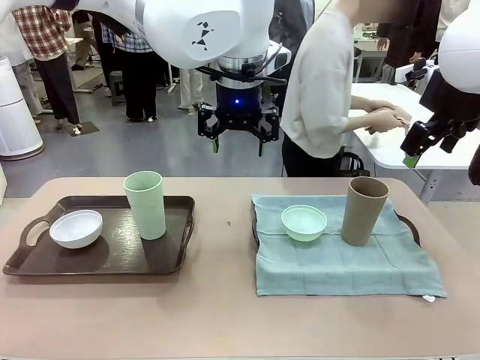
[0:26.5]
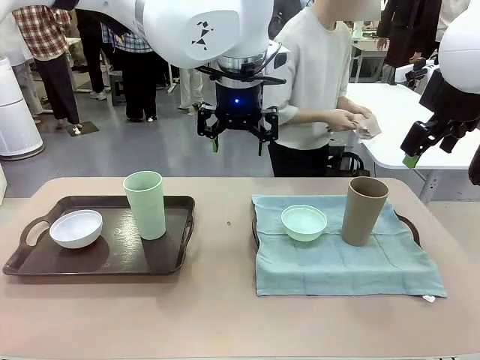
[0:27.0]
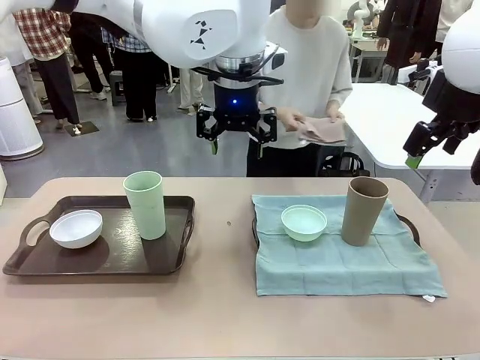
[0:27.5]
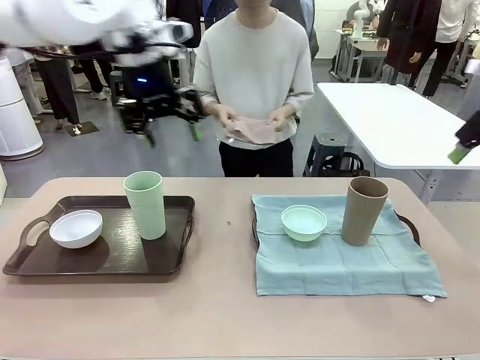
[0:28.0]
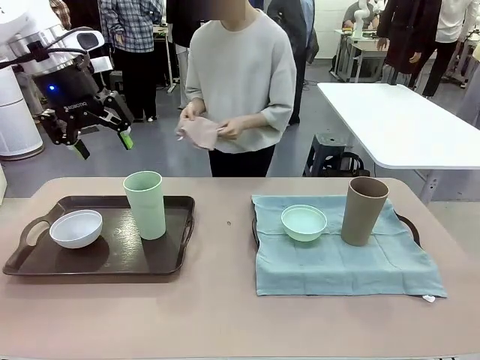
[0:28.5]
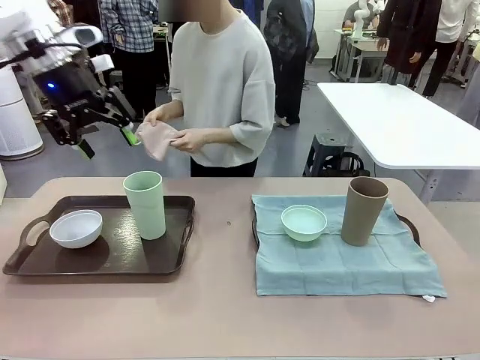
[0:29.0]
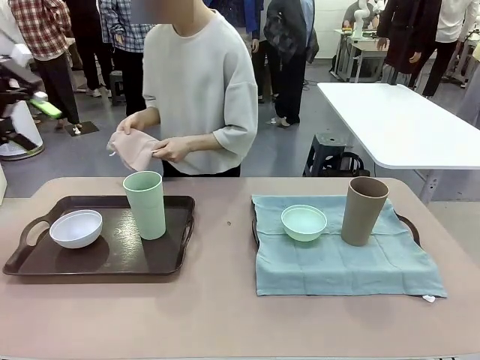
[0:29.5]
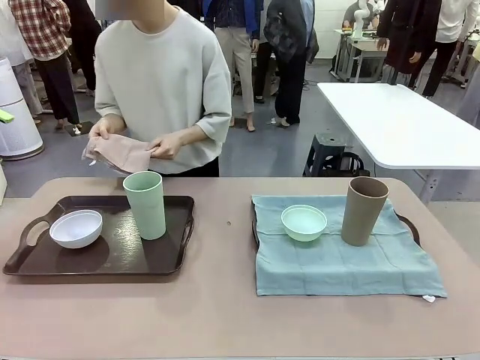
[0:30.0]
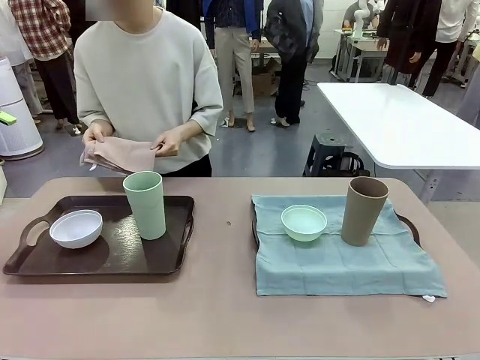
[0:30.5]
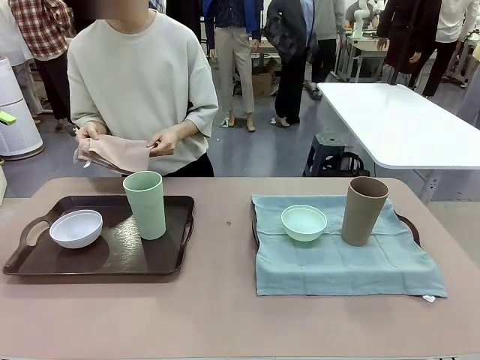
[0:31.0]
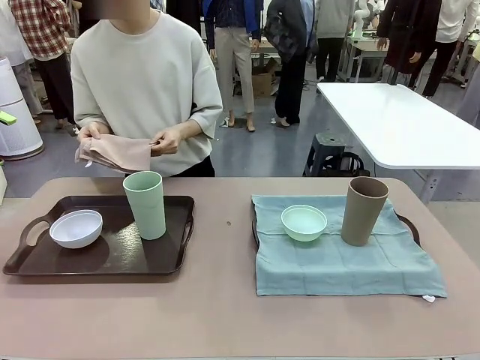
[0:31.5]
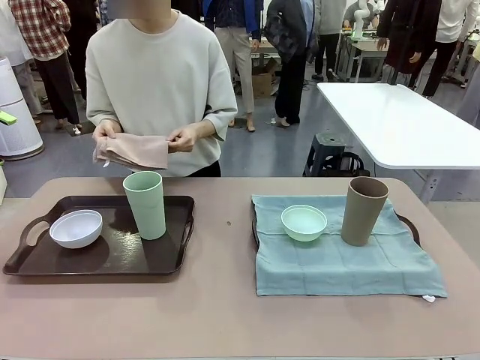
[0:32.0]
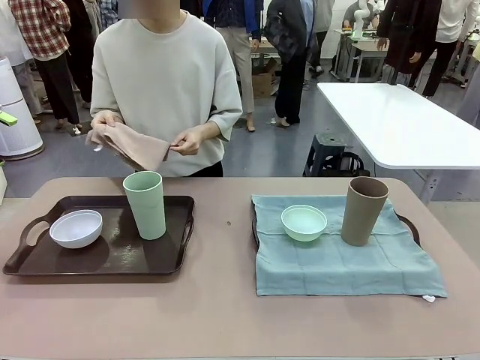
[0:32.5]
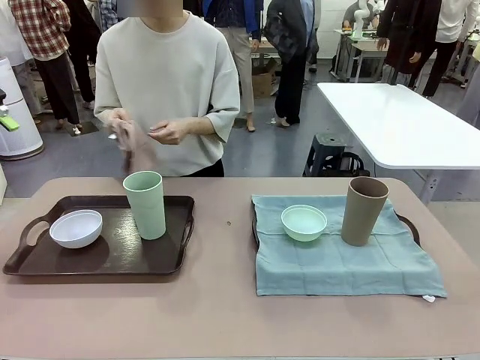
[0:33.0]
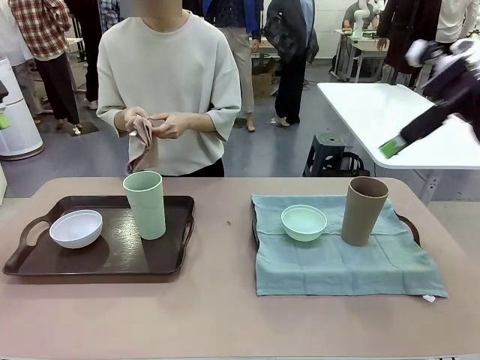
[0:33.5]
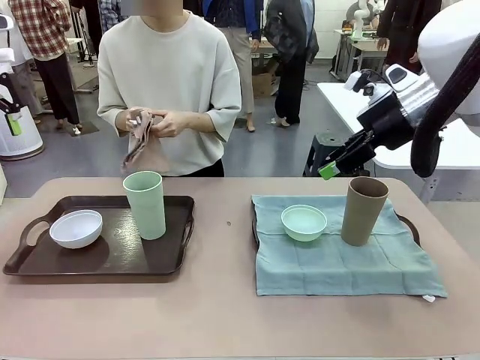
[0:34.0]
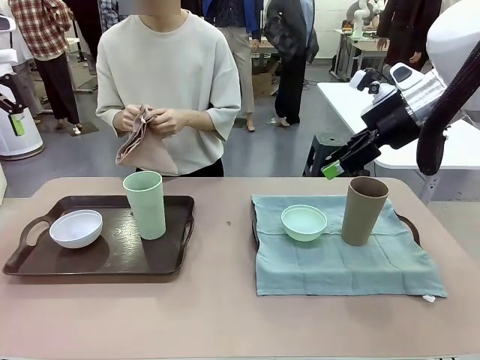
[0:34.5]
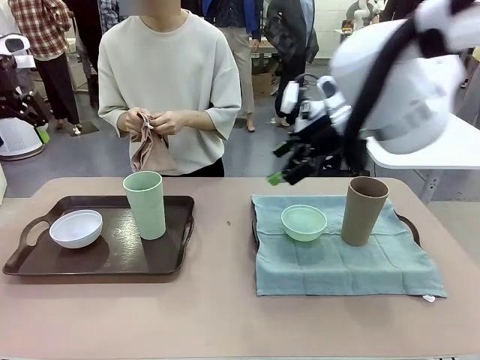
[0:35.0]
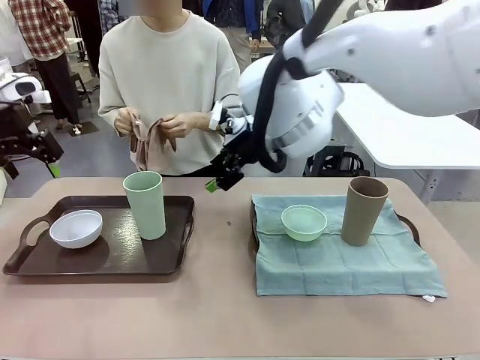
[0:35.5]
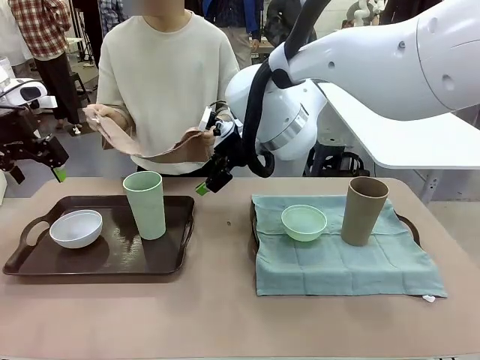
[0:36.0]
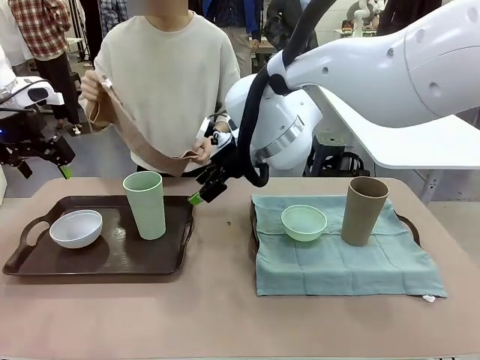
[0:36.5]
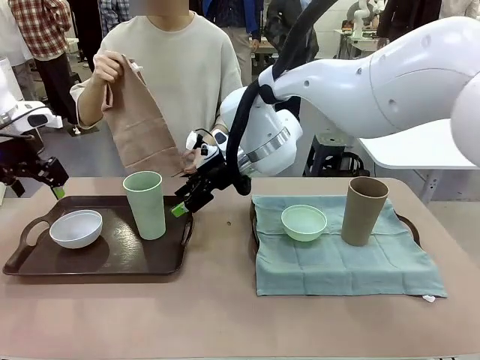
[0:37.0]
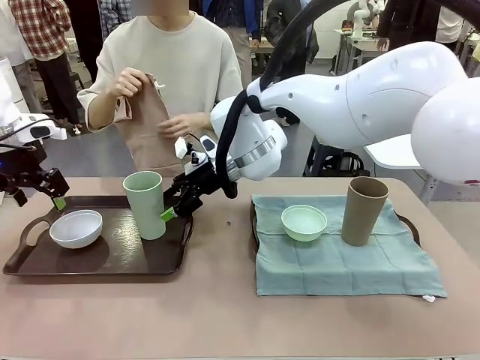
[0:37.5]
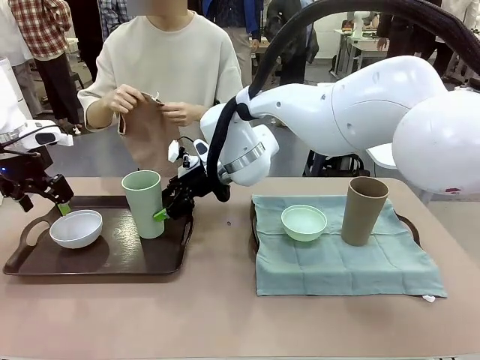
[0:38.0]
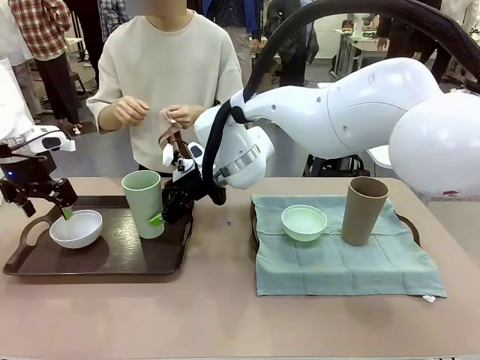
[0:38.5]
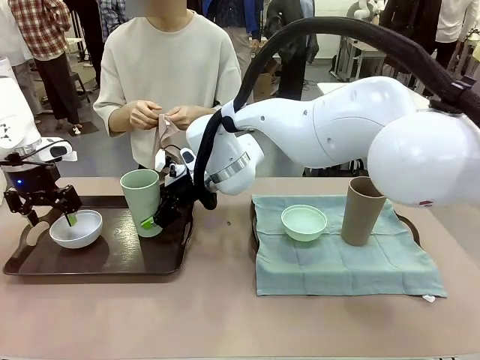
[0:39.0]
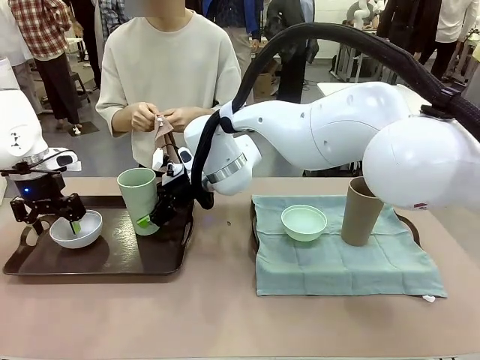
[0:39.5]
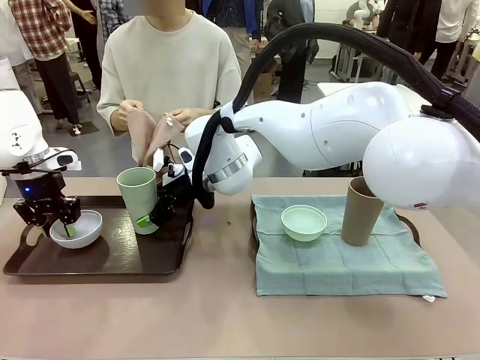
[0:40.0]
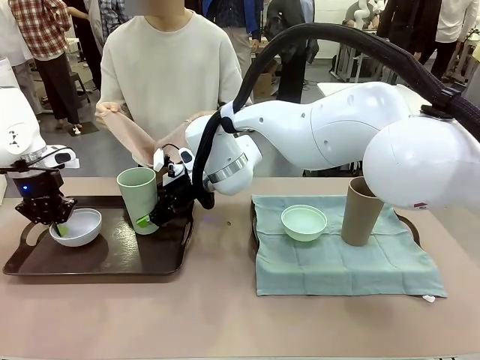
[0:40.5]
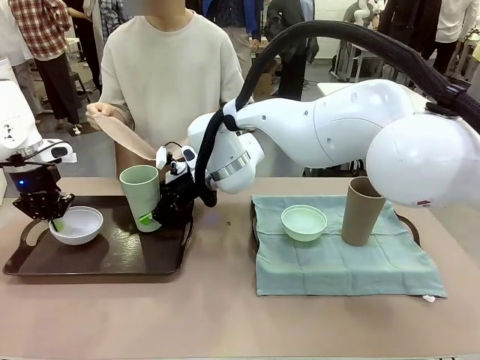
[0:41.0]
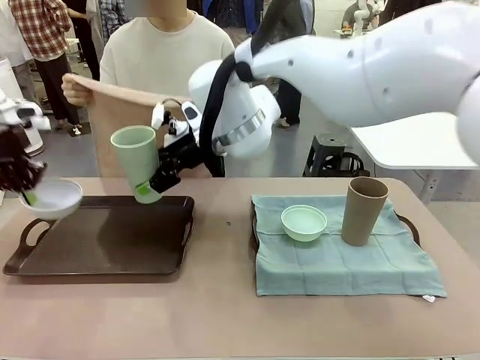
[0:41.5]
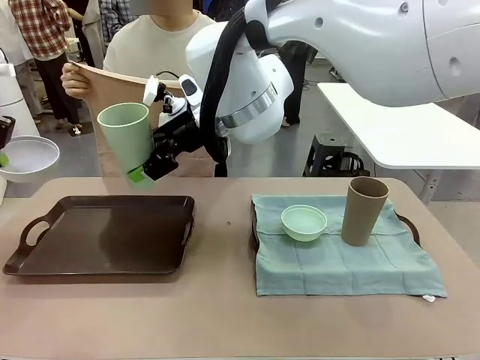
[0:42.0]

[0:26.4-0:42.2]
Robot: Pick up the Picnic Bowl and Reusable plastic cup from the Handle tray in front of the human's position and hold them in the air.

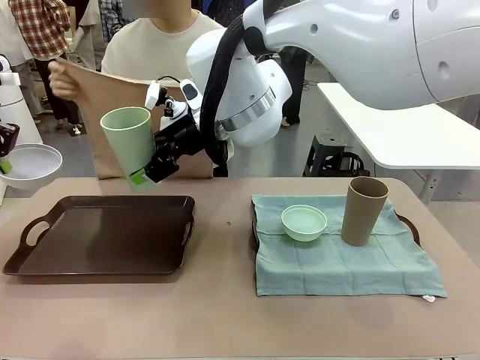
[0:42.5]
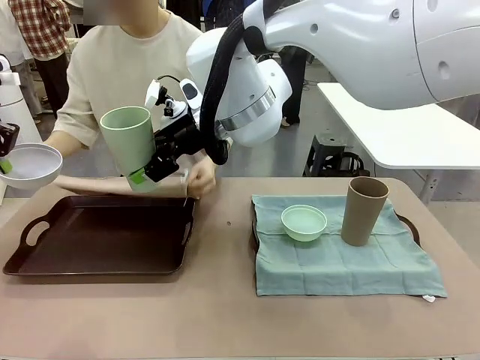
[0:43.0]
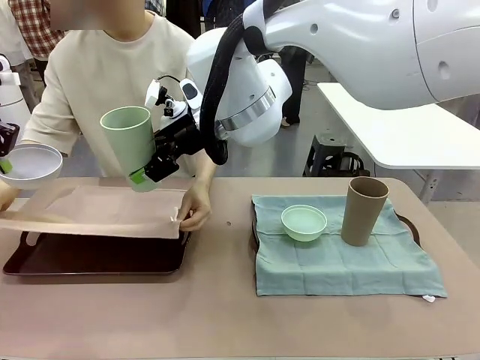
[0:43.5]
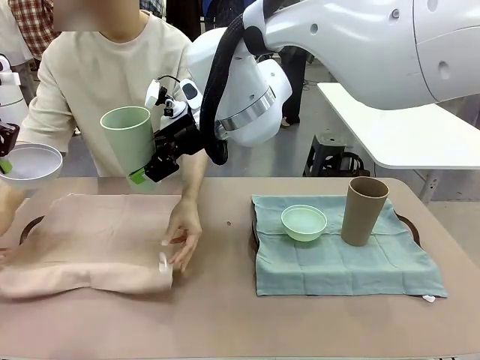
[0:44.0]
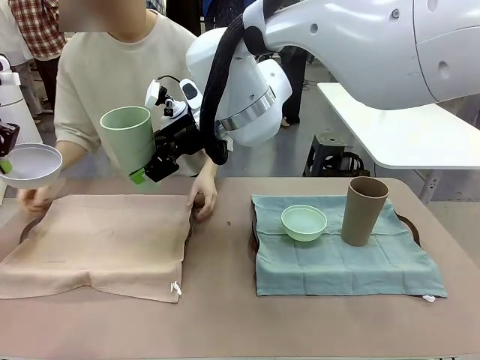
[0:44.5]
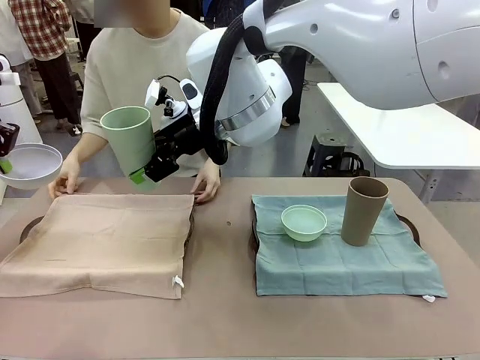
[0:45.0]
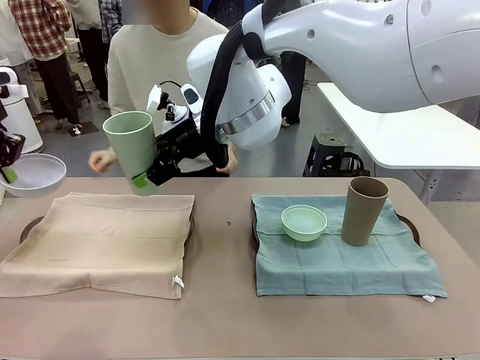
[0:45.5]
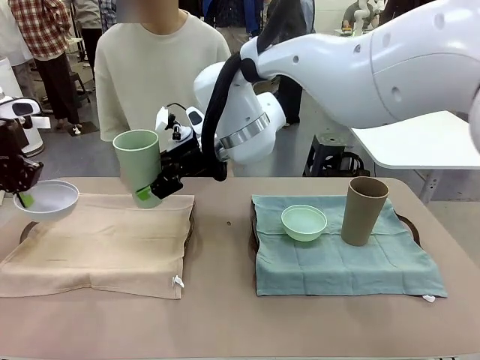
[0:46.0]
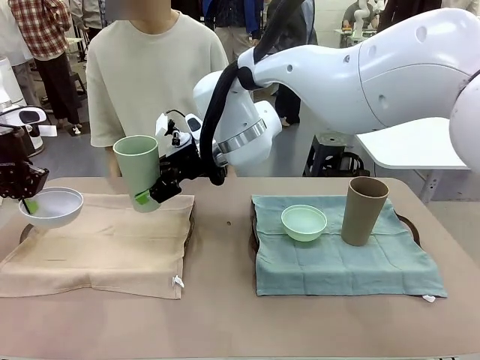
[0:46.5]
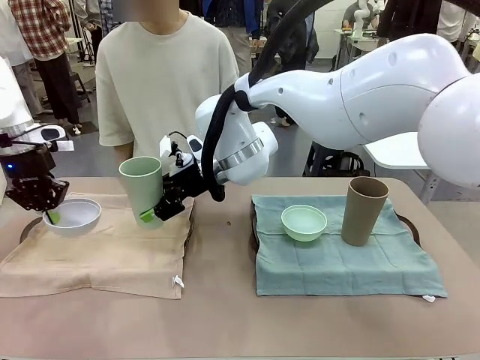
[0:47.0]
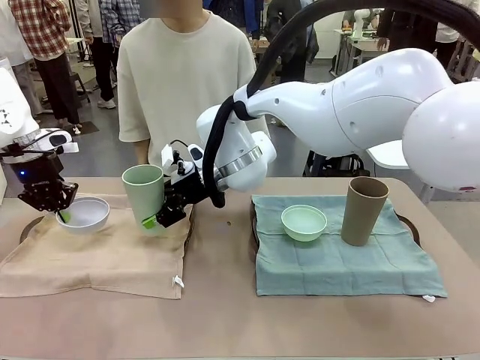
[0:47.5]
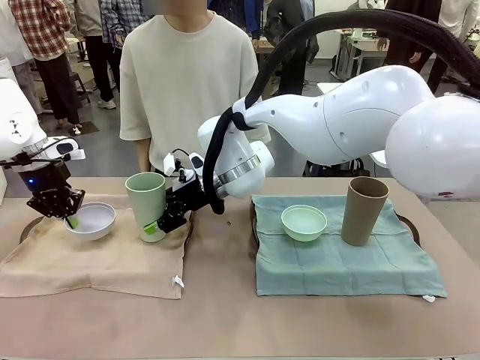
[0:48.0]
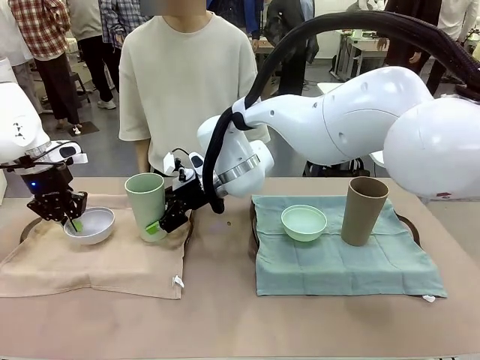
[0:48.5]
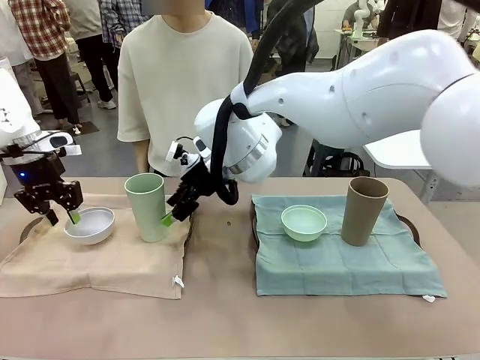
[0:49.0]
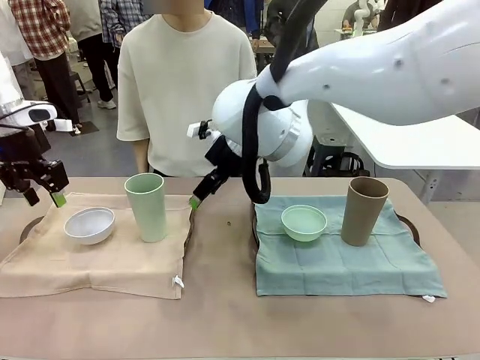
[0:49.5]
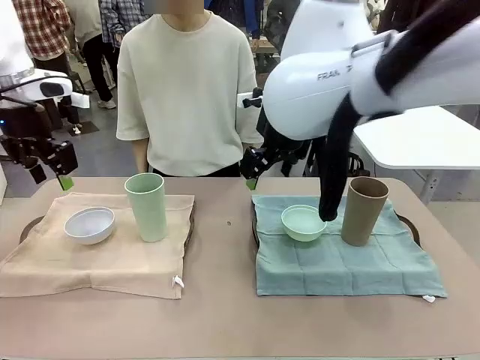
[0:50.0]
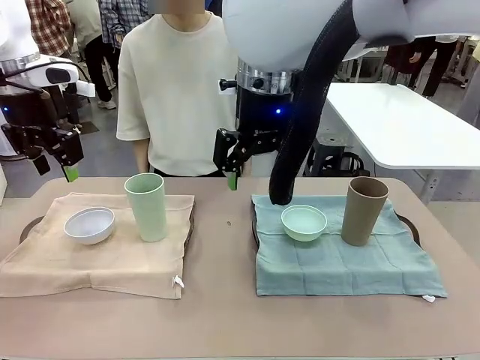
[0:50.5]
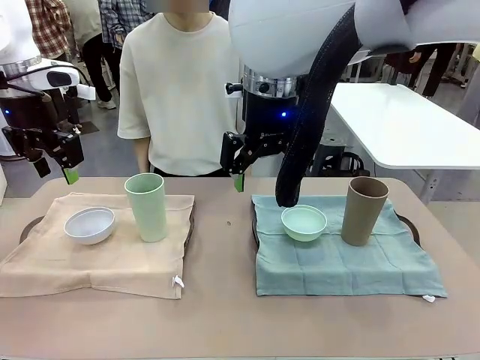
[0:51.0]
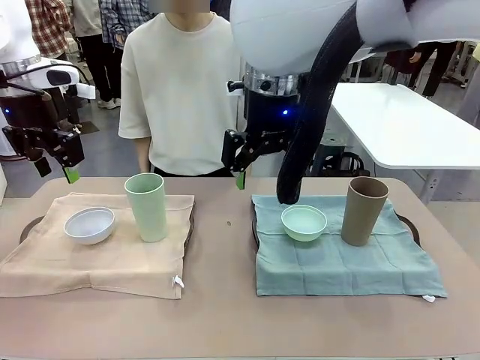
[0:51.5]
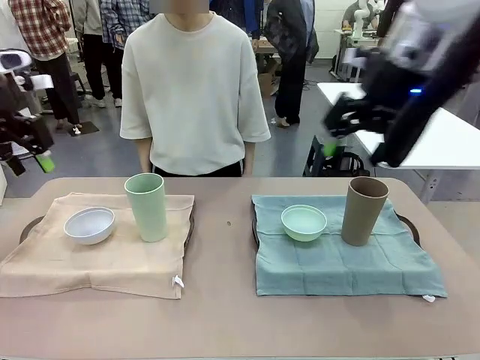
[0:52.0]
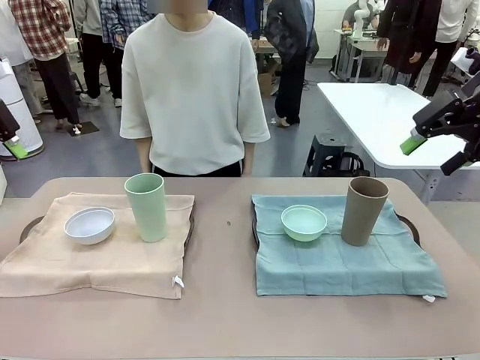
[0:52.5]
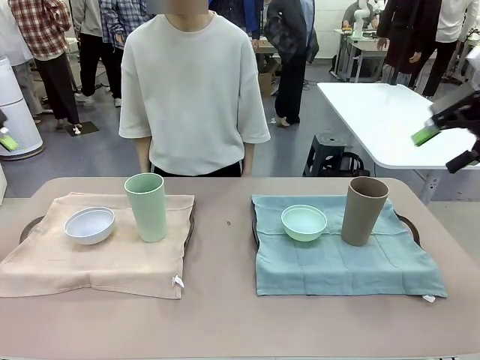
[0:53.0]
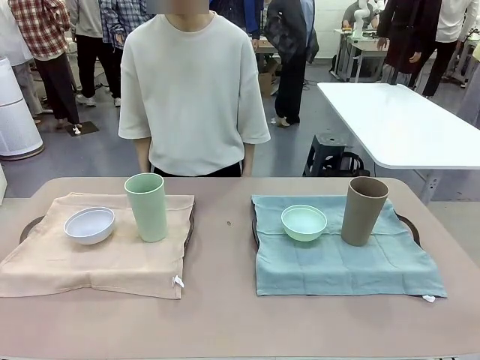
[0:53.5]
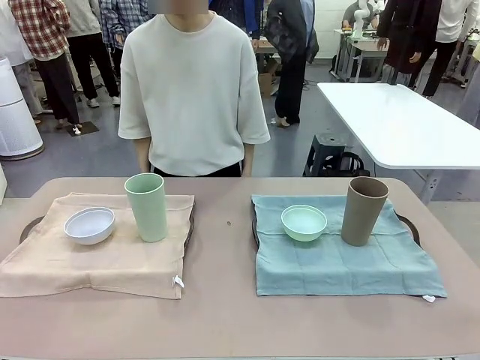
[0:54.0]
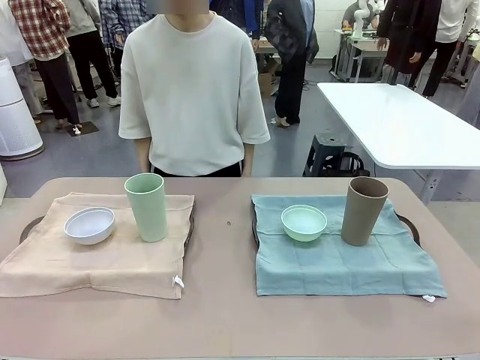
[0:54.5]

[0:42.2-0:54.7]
Robot: Place the Picnic Bowl and Reusable plastic cup back onto the Handle tray in front of the human's position.
Person: When the robot lifts the bowl and the cup, the human unfolds the napkin and lays the napkin flat on the tray.
